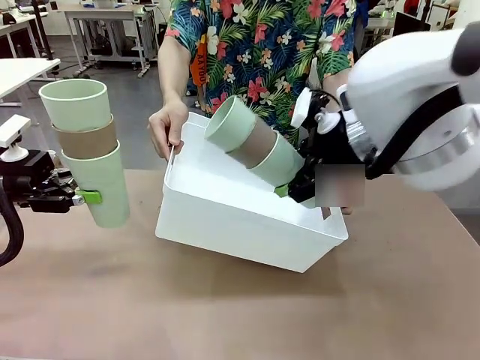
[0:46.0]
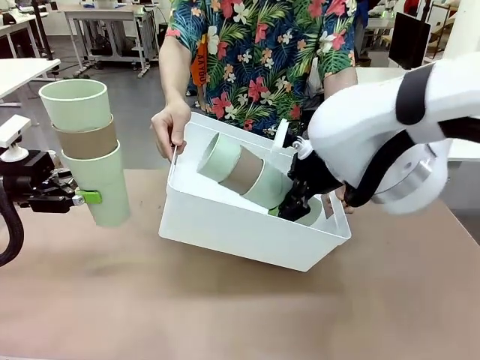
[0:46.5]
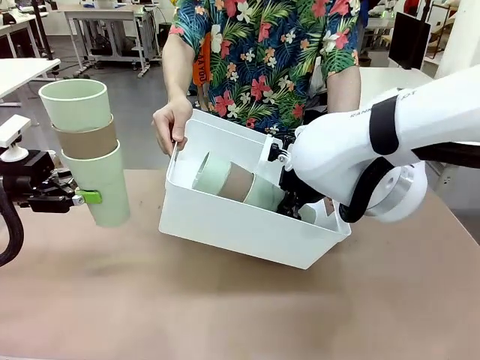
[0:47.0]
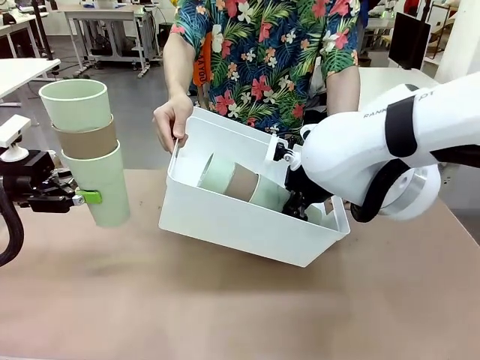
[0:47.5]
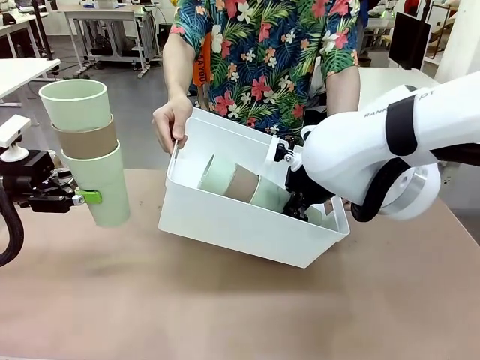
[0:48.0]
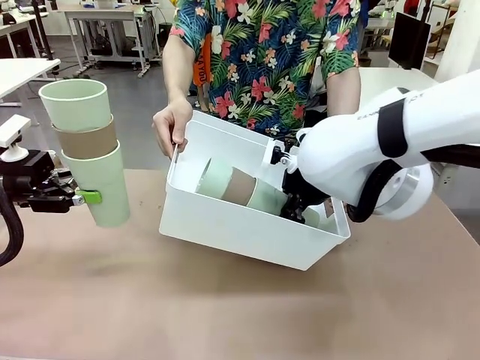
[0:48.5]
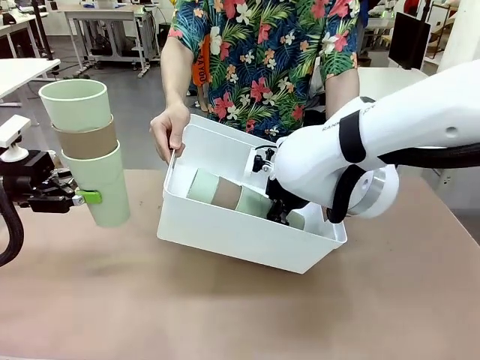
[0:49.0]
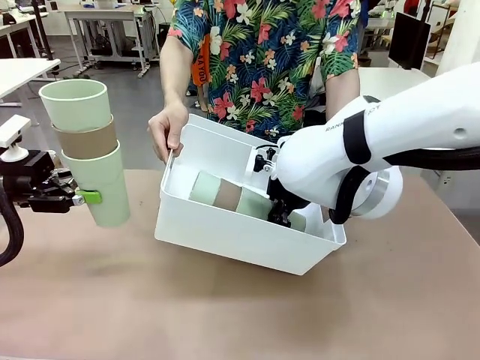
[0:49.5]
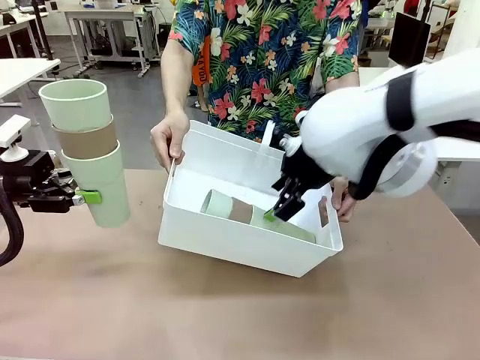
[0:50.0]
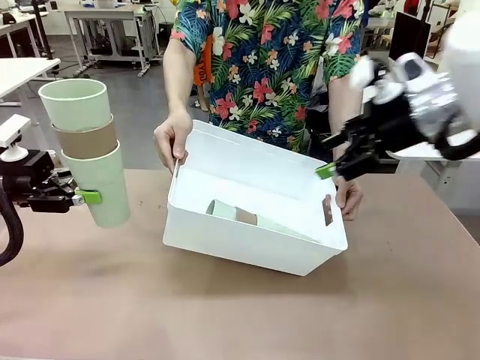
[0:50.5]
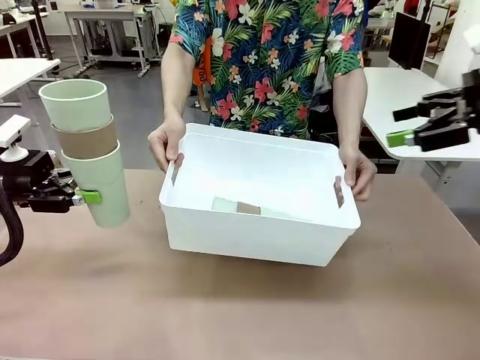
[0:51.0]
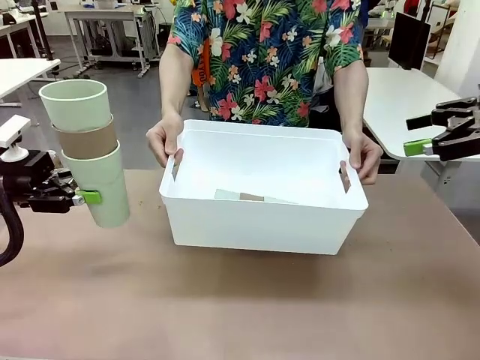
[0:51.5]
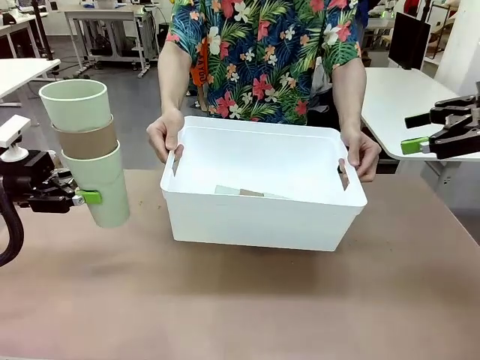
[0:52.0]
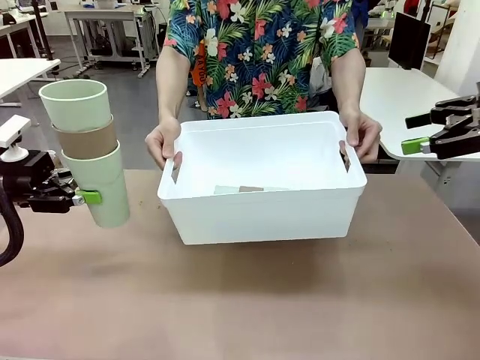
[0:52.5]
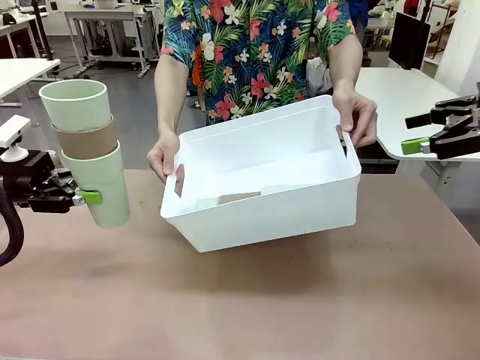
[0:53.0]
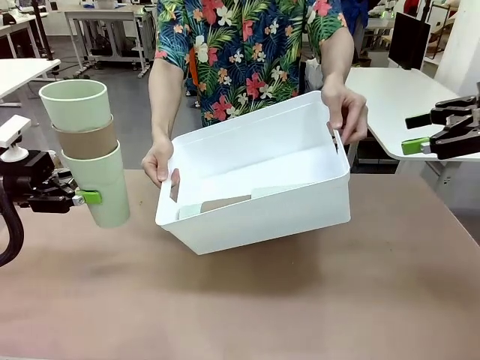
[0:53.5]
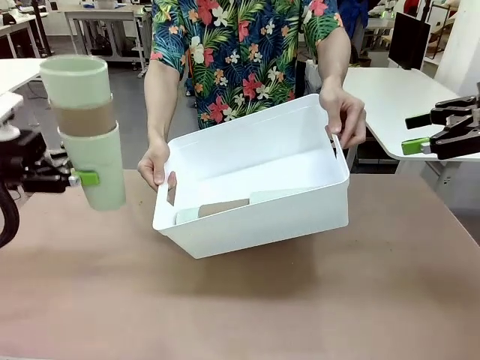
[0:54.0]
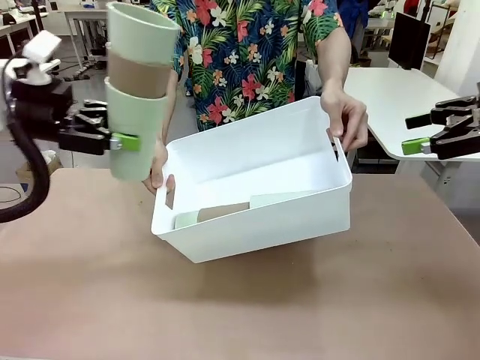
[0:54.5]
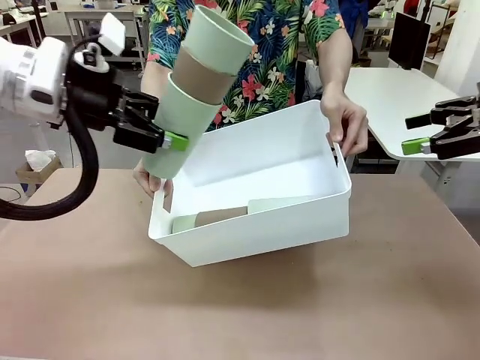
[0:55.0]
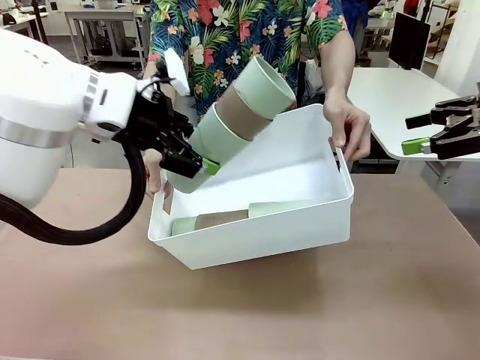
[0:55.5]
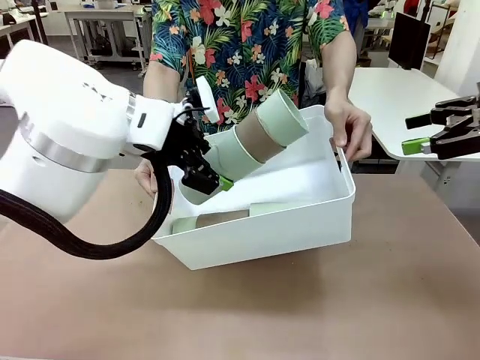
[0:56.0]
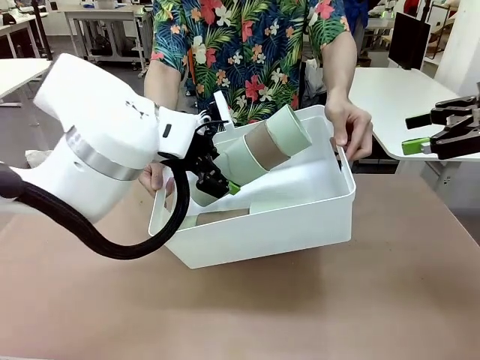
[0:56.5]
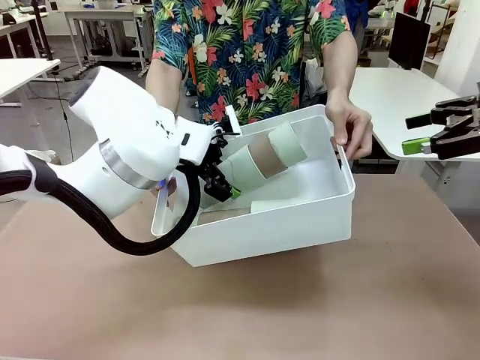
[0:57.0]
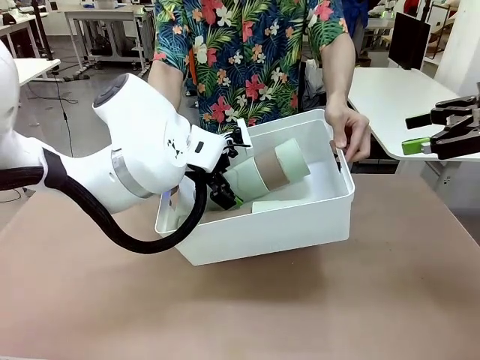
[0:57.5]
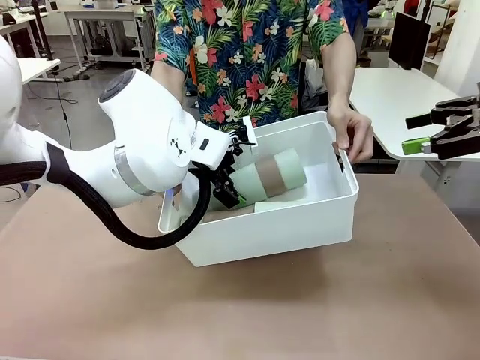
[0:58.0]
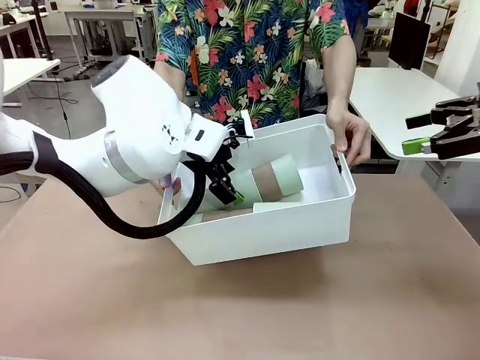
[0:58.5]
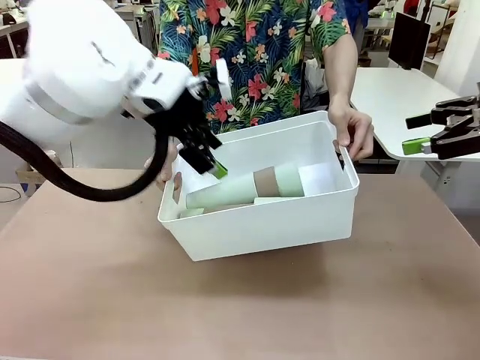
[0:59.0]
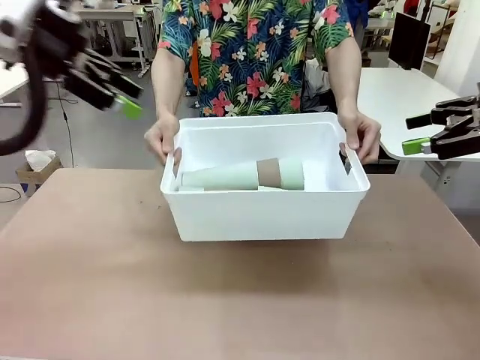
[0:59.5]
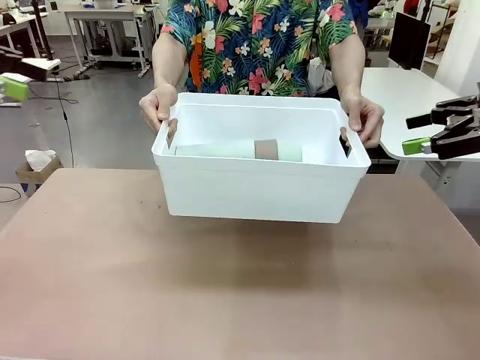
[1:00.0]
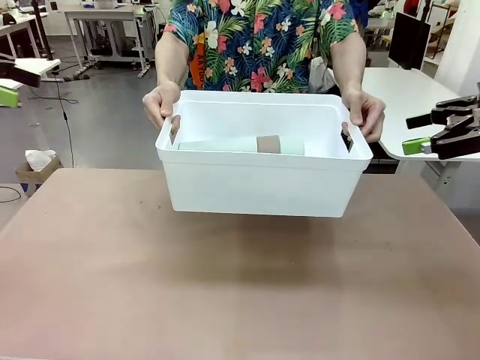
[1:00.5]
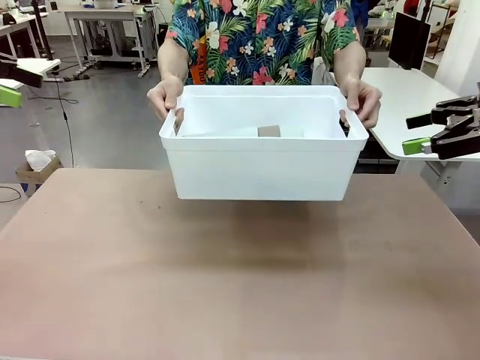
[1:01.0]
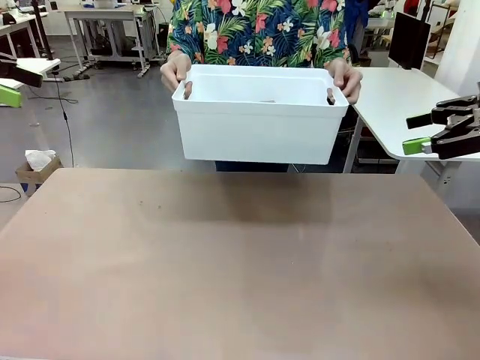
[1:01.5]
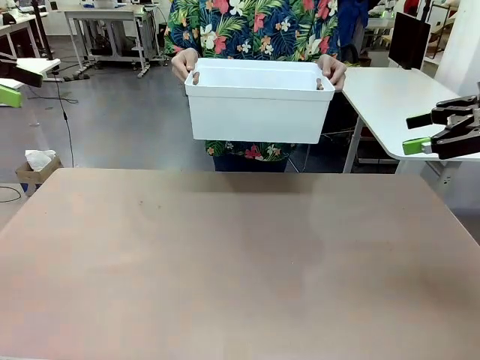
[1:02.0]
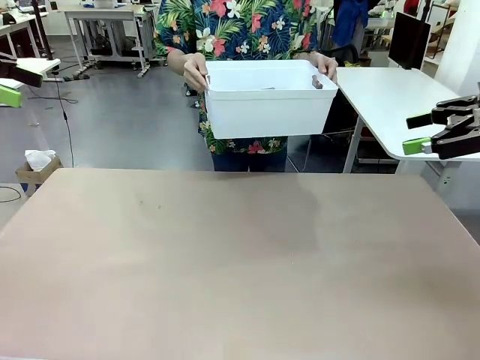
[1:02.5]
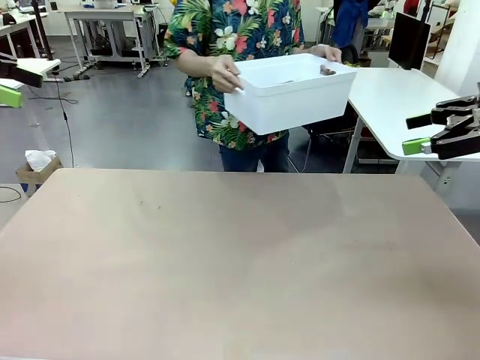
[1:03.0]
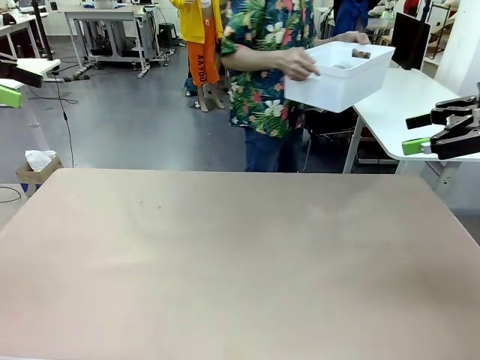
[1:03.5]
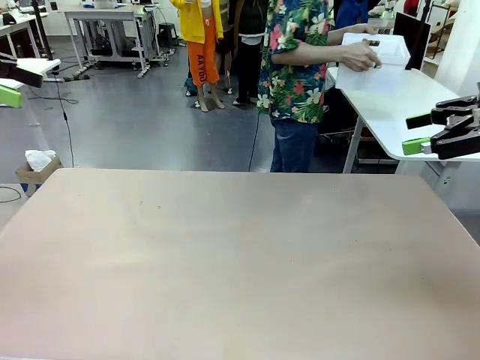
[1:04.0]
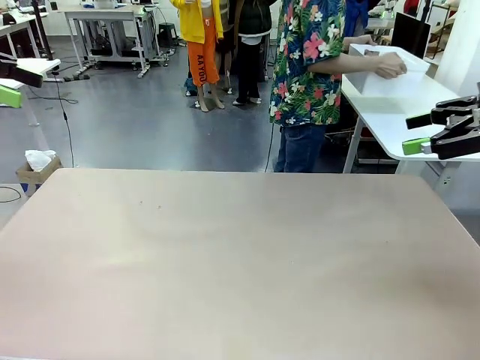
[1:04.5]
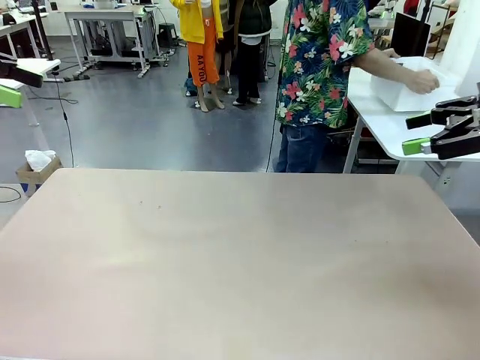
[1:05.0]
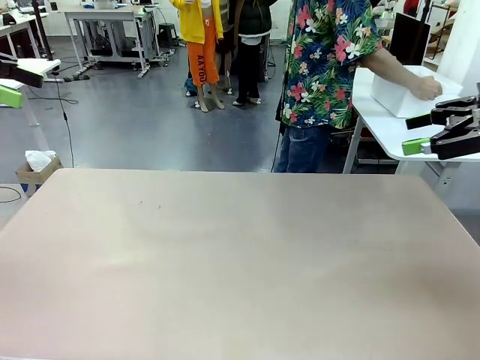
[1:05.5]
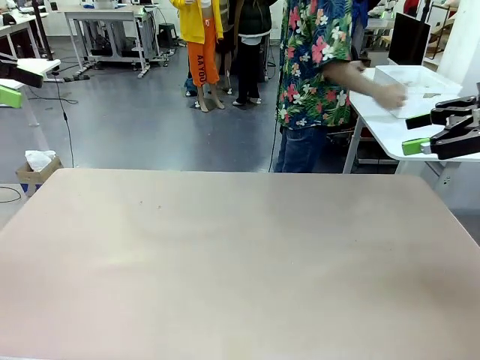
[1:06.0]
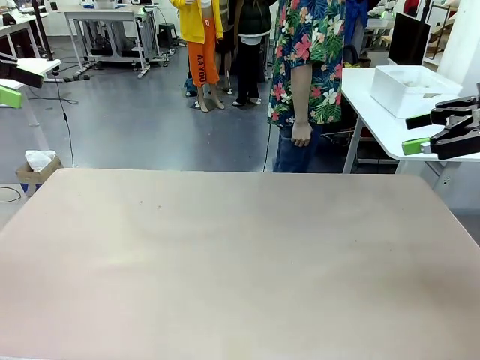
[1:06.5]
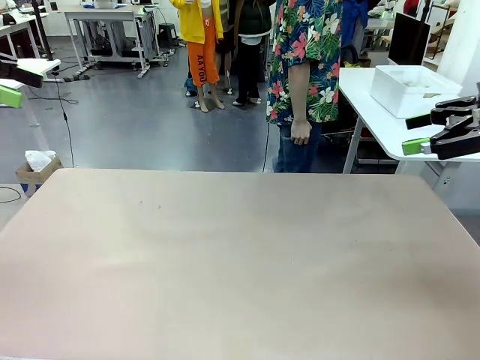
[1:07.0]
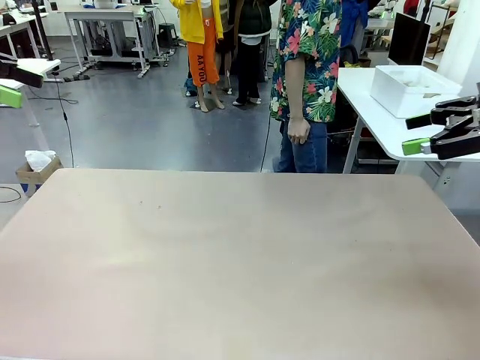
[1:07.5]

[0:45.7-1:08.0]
Task: Stack the cups and store them in the basket.
Robot: Place the stack of Reusable plastic cups into the Pantry Basket.
Person: Place the basket containing the cups in the middle of the Human Table.

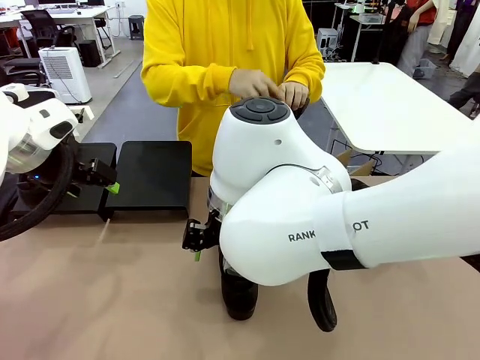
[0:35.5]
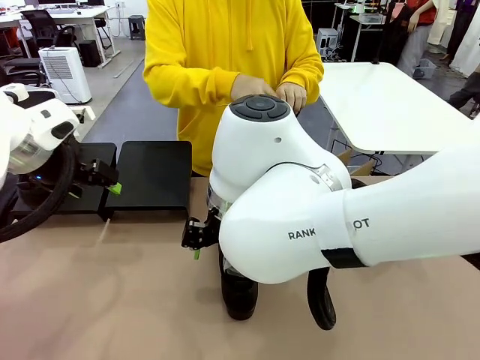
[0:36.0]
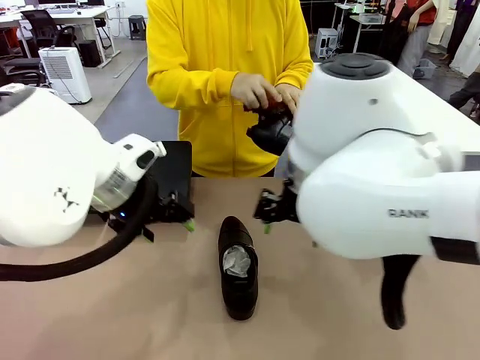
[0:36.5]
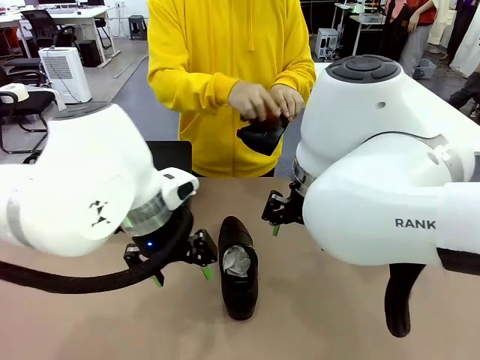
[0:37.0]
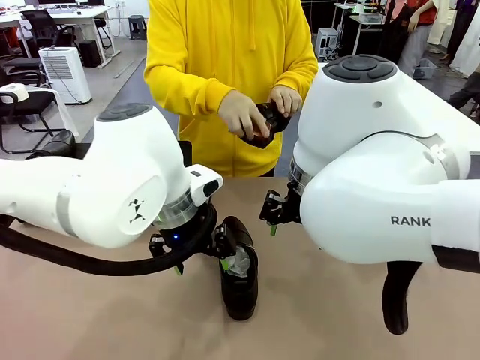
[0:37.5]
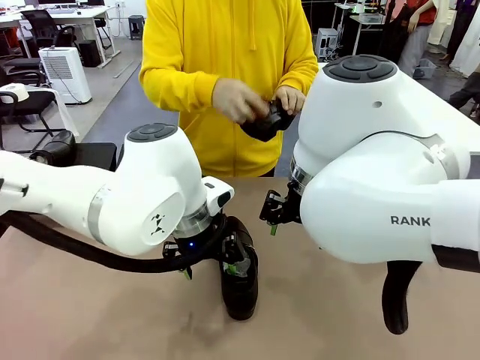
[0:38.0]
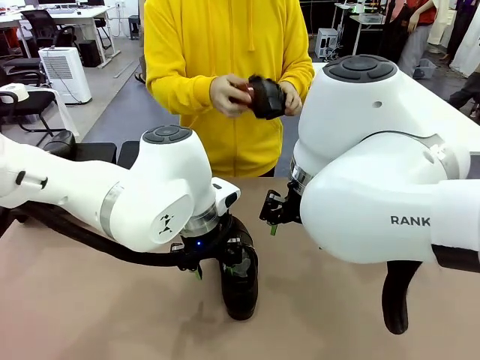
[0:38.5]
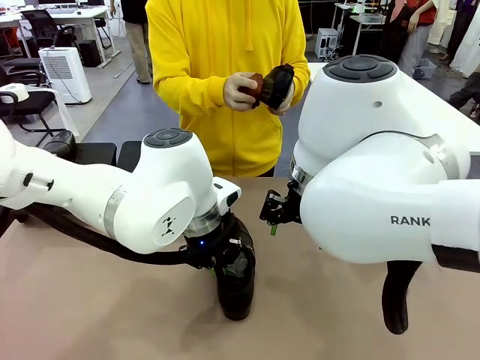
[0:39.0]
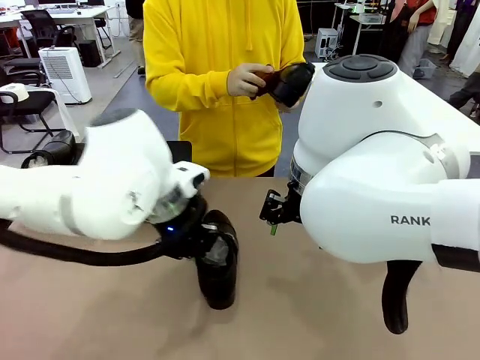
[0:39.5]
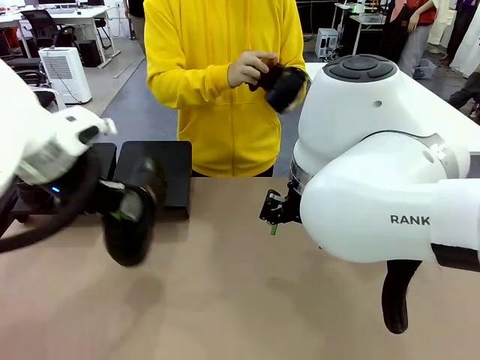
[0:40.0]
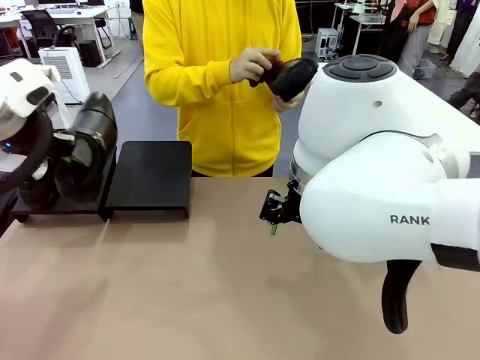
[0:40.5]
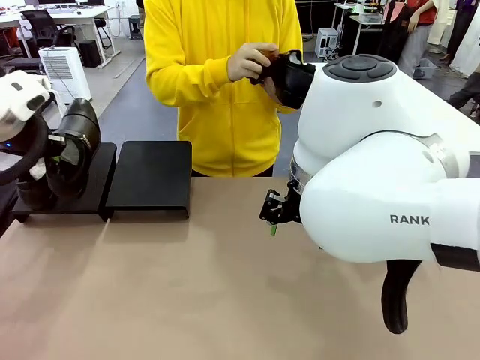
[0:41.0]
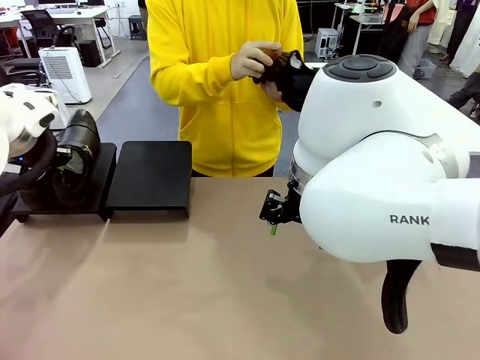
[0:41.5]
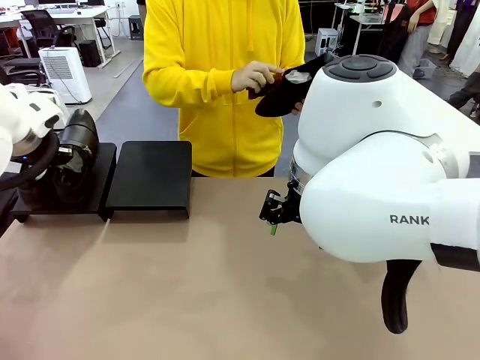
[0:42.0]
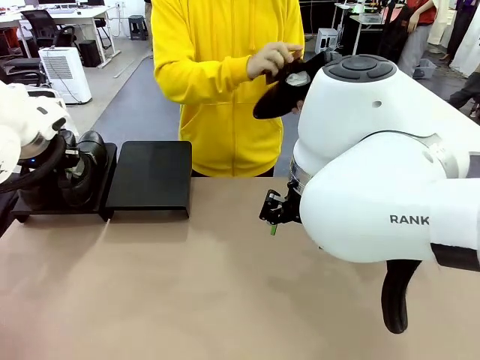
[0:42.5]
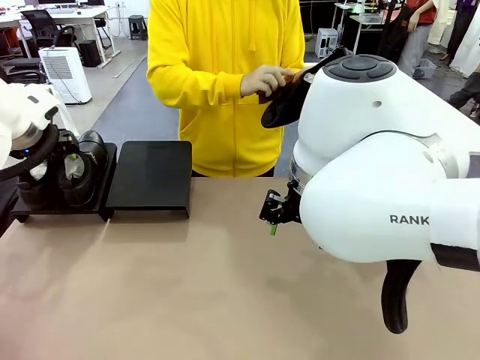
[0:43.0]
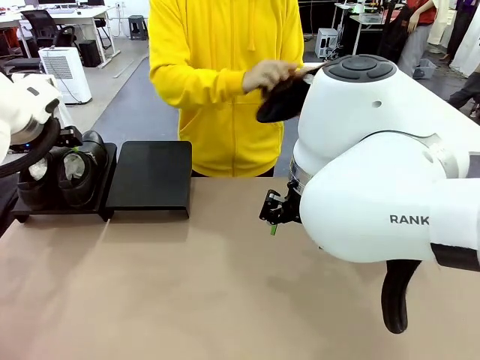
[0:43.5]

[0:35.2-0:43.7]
Task: Organize the shoes by placing them on the stand.
Robot: Place the Shoe from the middle of the table onto the Shoes Stand.
